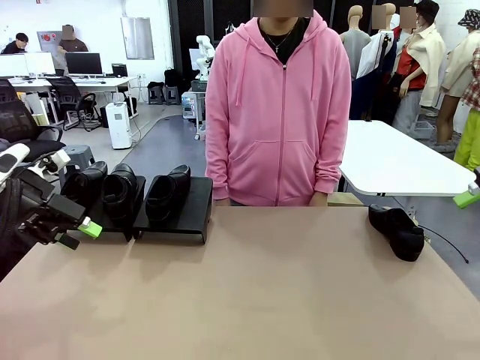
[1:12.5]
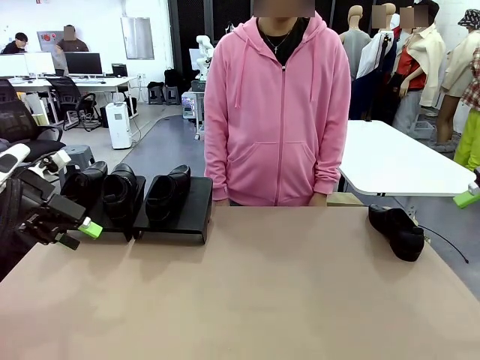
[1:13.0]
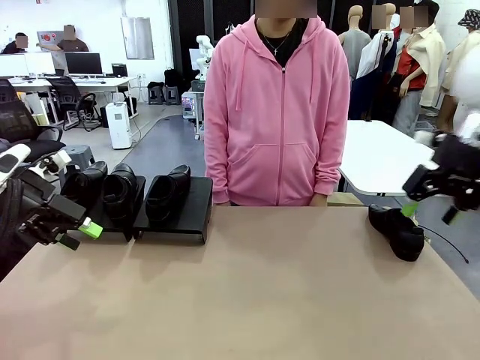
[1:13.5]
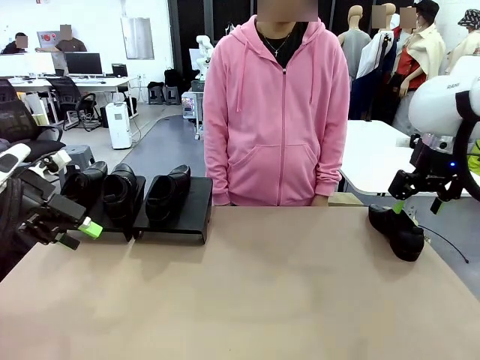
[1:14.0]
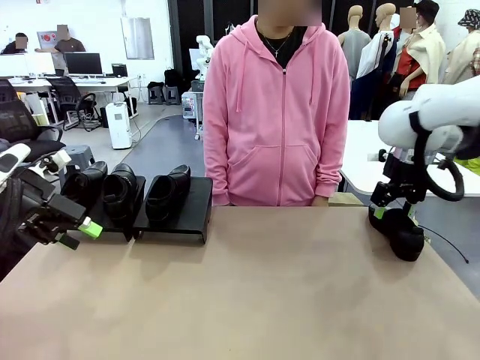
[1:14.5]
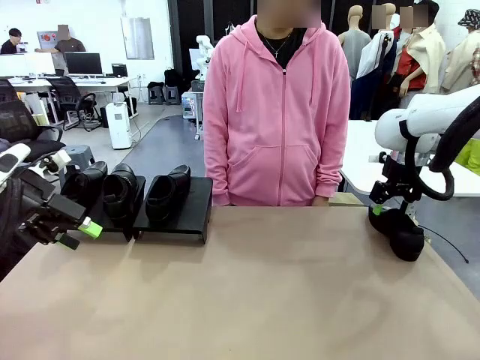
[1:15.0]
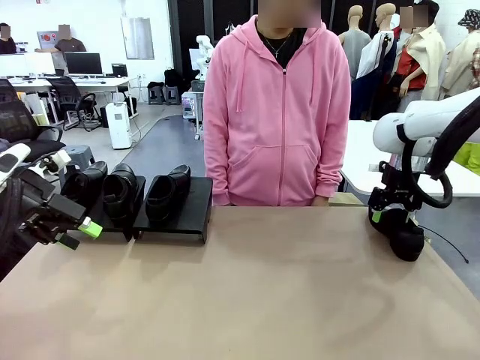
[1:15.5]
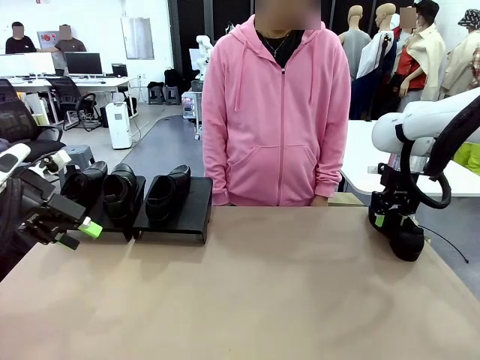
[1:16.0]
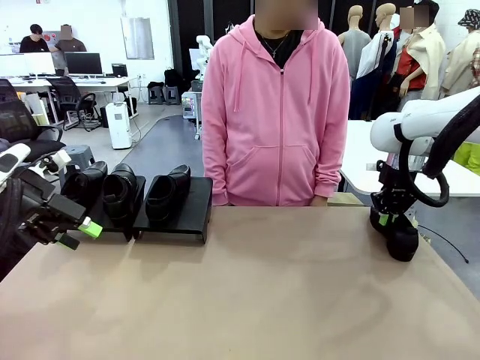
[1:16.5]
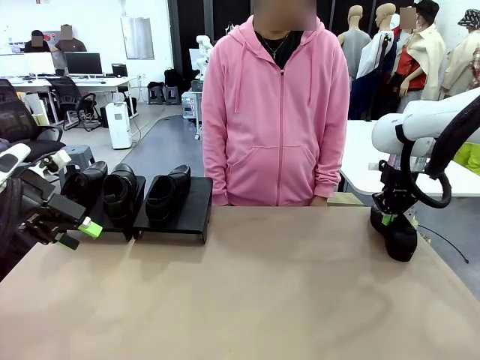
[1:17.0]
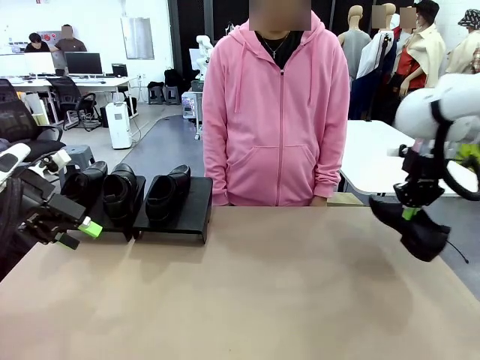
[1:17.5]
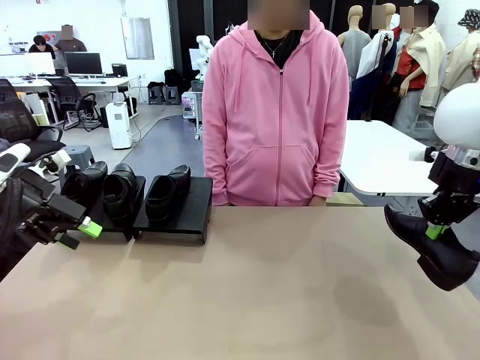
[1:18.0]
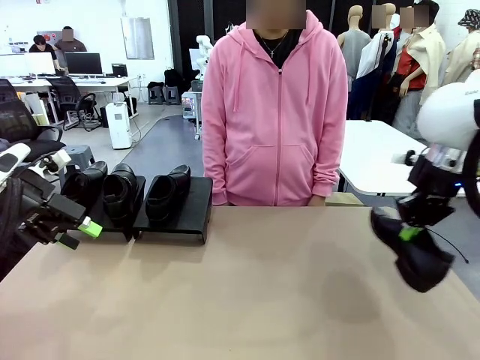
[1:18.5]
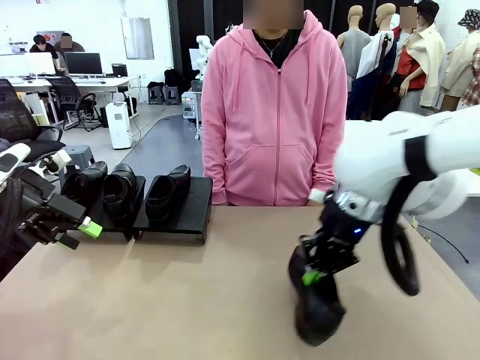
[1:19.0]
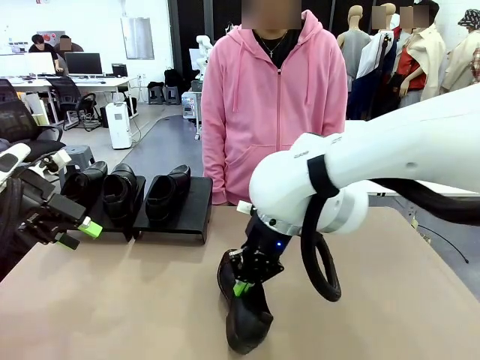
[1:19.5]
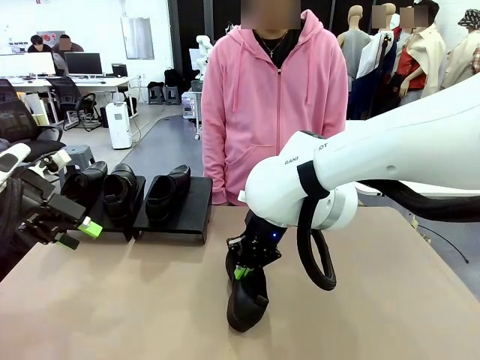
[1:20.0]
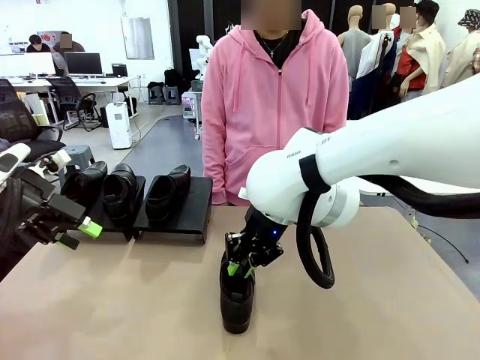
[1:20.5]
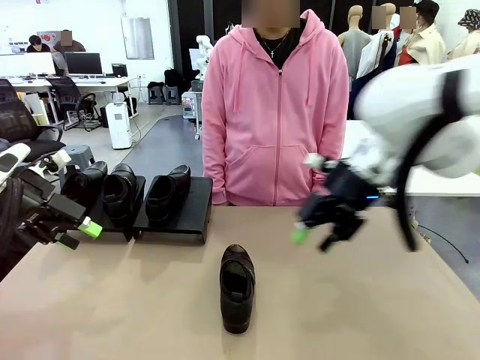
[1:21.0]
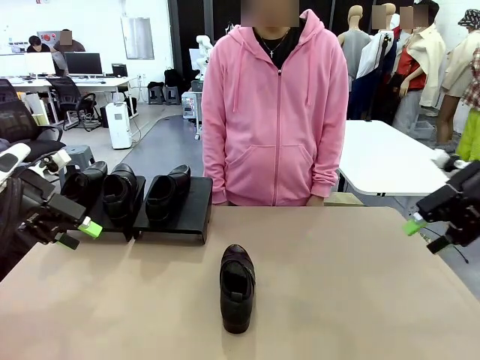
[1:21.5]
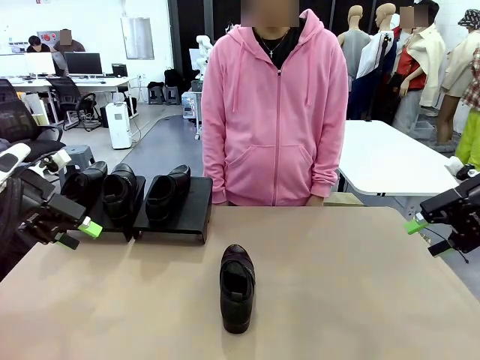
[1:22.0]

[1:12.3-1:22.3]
Task: Organize the shoes by placing them on the stand.
Robot: Pick up one Shoe and place it in the middle of the table.

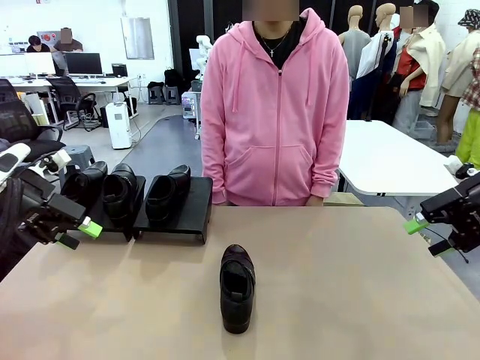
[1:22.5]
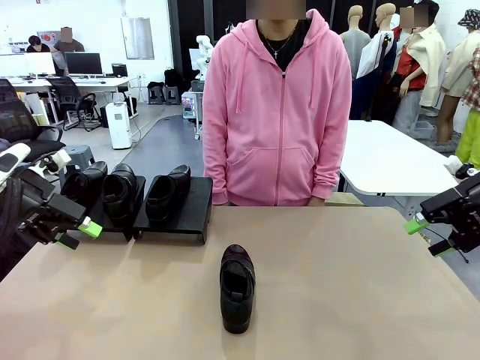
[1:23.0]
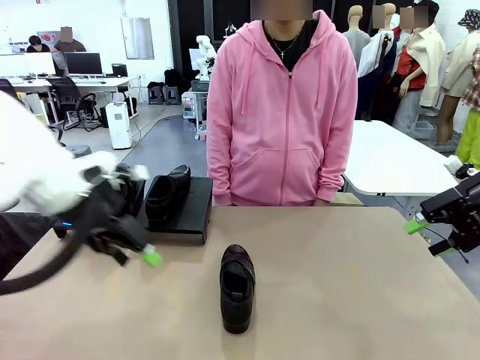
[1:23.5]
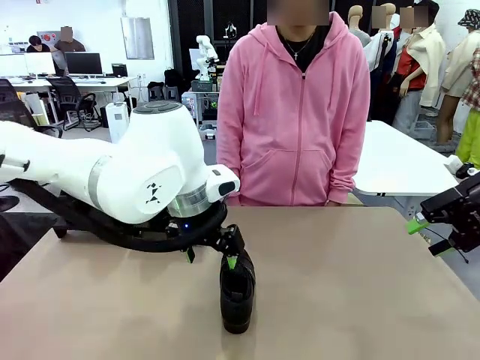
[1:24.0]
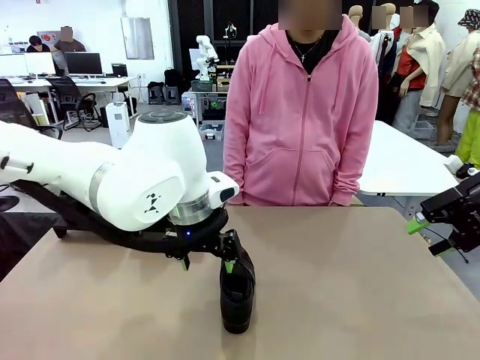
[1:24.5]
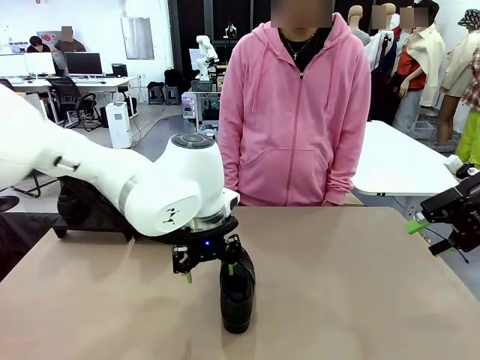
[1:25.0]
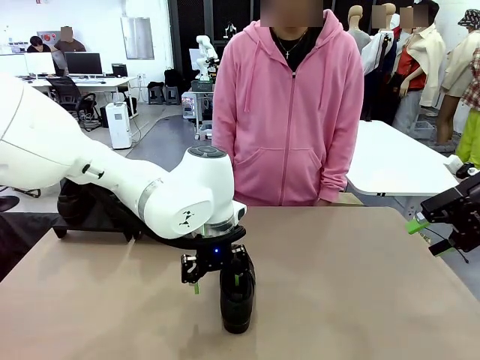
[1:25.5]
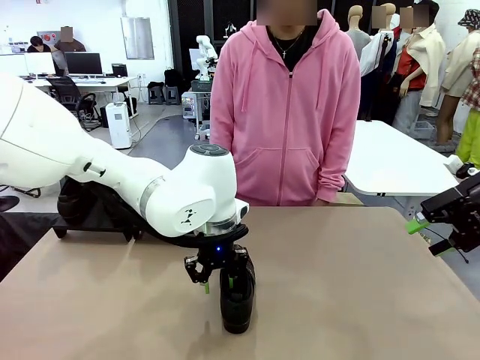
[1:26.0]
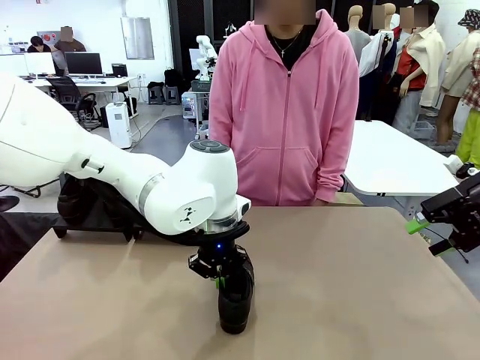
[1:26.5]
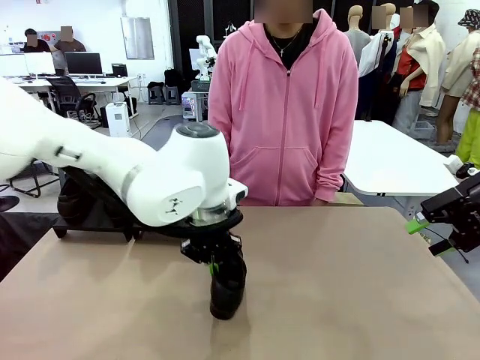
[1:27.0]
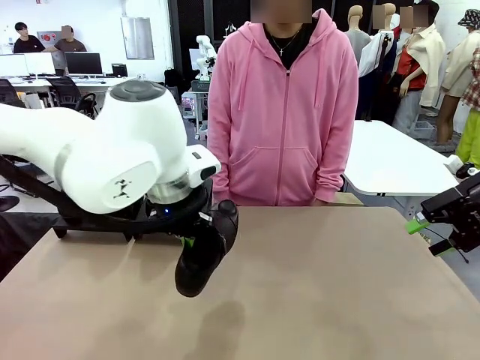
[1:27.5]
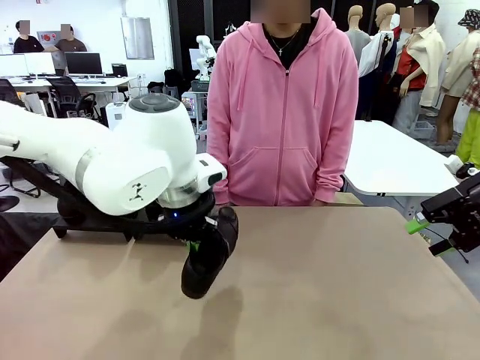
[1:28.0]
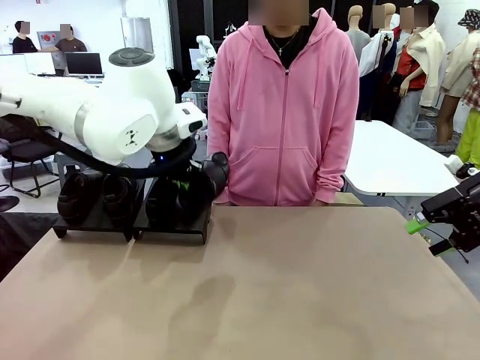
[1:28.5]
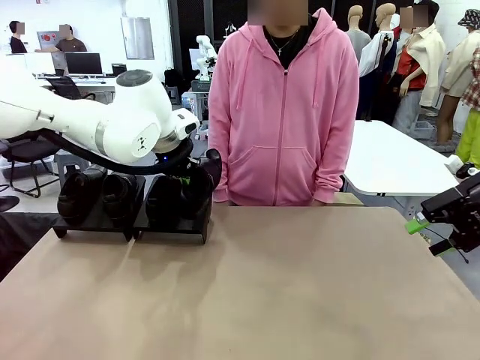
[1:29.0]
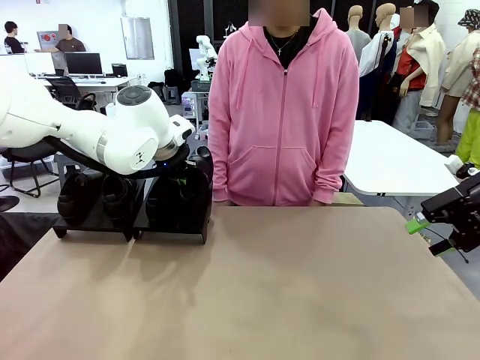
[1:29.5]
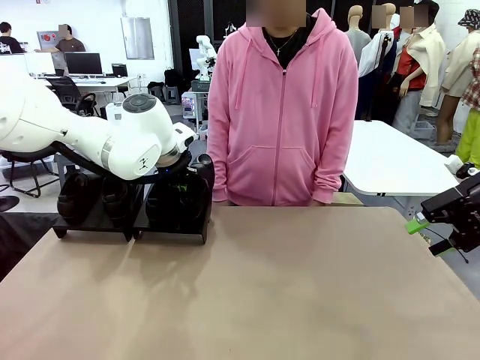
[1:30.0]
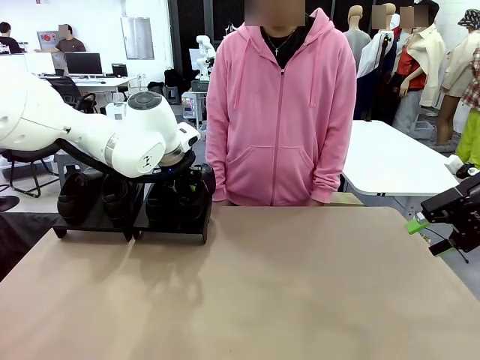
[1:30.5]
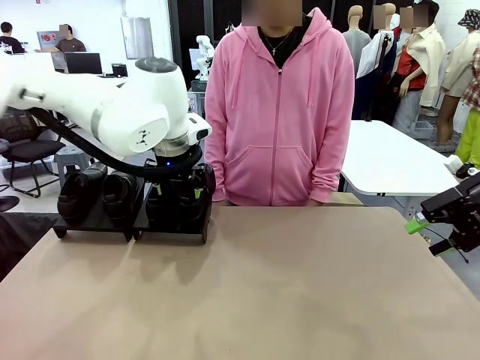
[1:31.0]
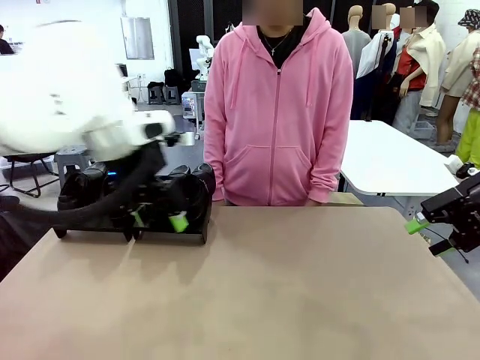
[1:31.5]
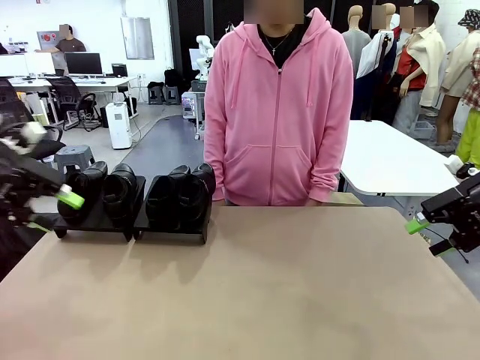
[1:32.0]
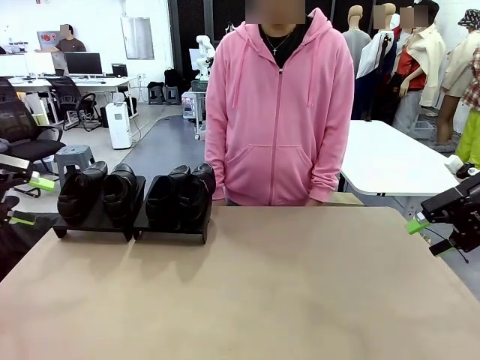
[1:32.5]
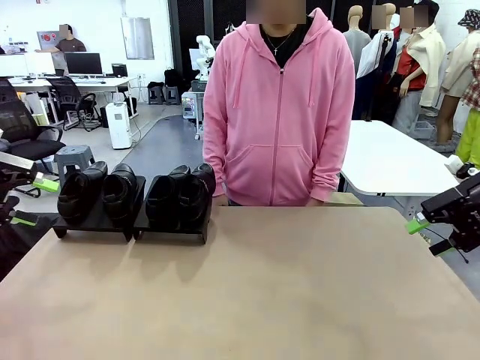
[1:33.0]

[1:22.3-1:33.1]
Robot: Place the Shoe from the middle of the table onto the Shoes Stand.

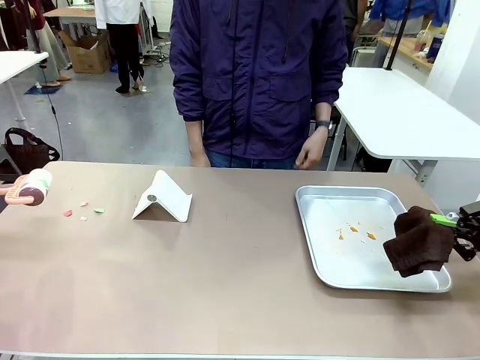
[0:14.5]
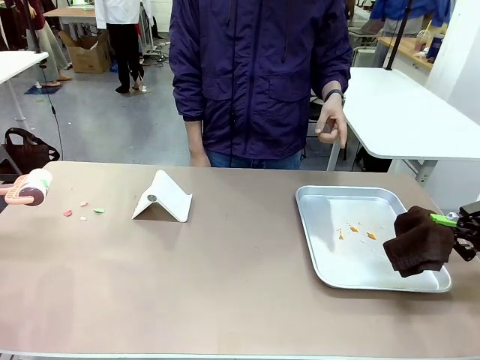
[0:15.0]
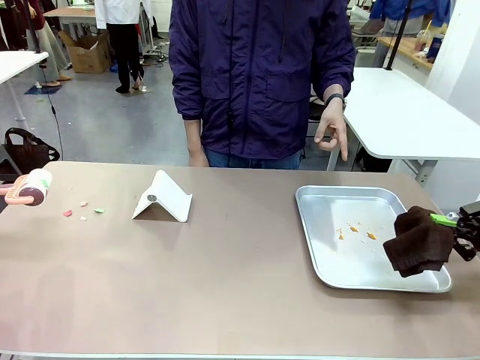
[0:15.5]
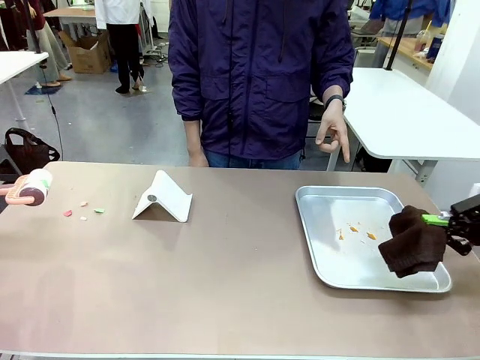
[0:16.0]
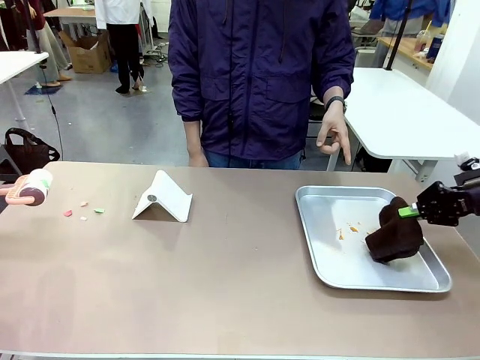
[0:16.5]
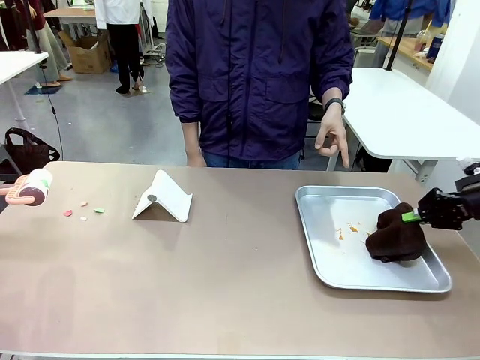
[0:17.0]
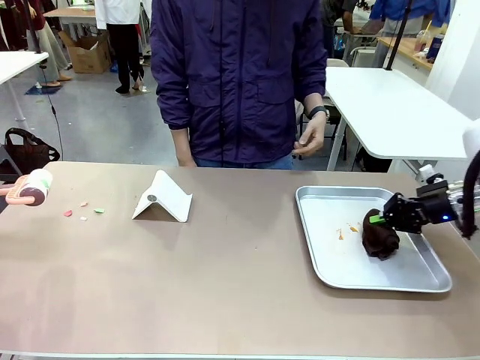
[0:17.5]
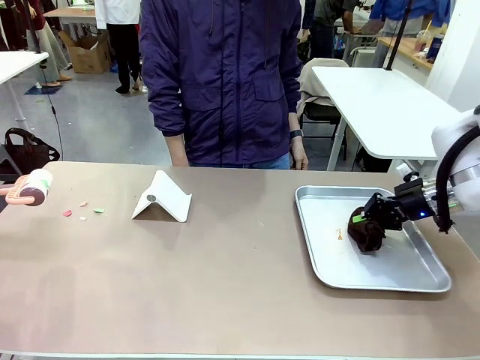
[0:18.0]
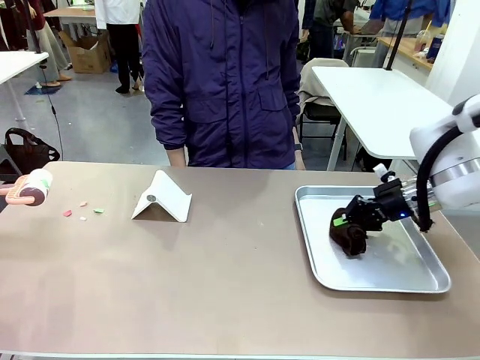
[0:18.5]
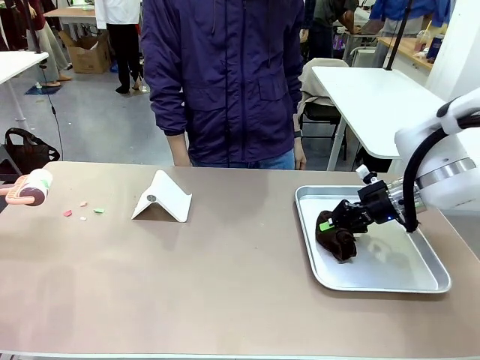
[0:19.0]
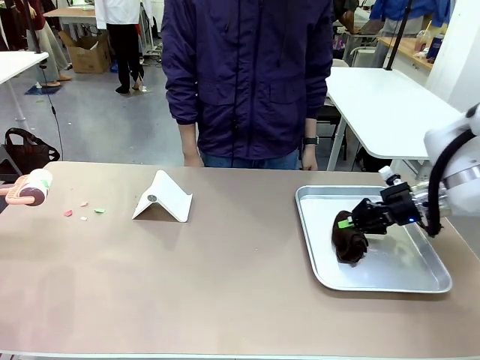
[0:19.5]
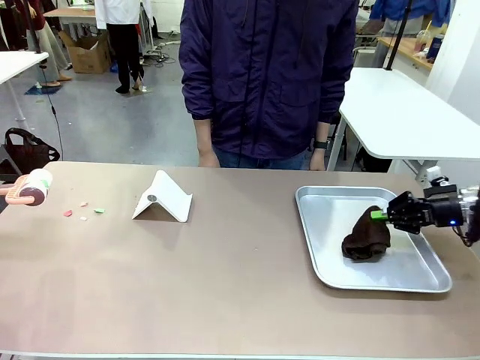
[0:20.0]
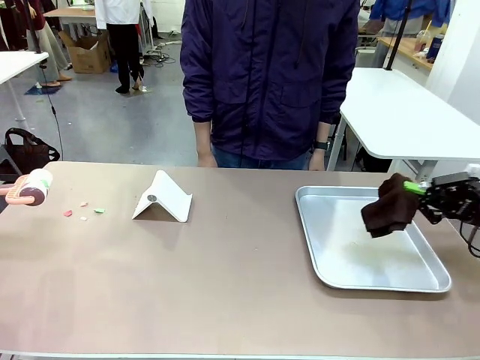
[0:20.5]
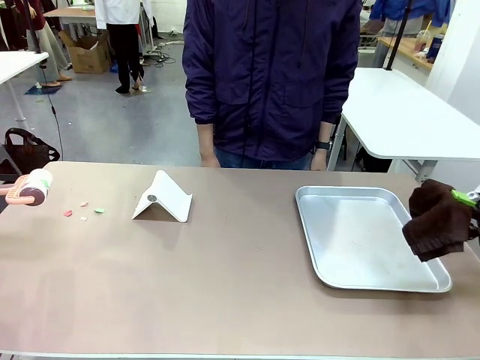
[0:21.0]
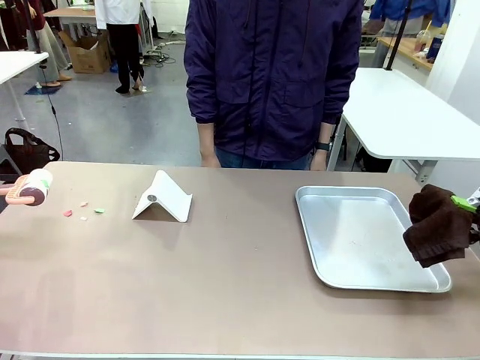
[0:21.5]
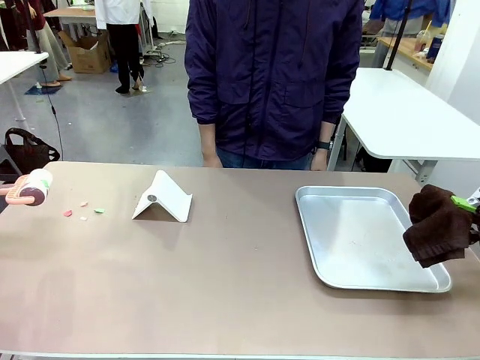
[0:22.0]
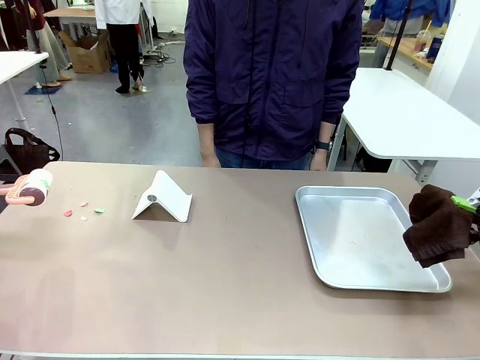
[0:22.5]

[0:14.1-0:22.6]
Task: Clean the surface of the table.
Robot: If a person points to the right, clean the right side of the table with your right hand, and if they point to the left, clean the left side with your left hand.
